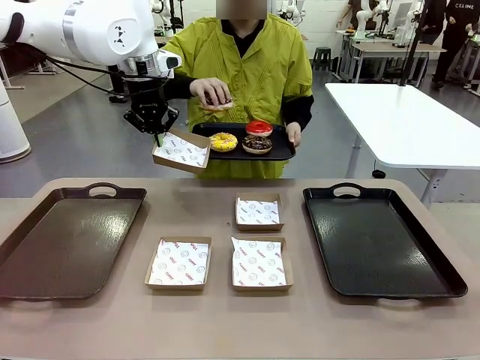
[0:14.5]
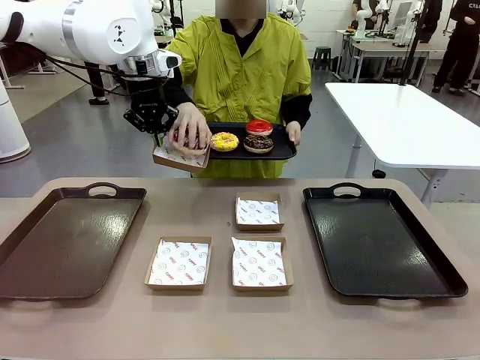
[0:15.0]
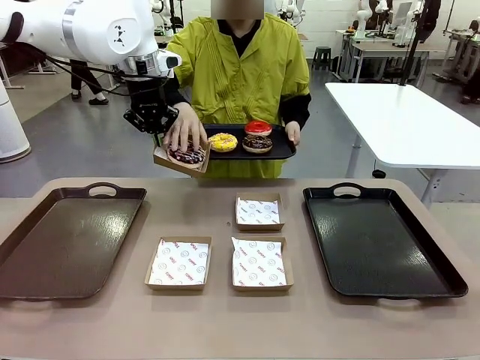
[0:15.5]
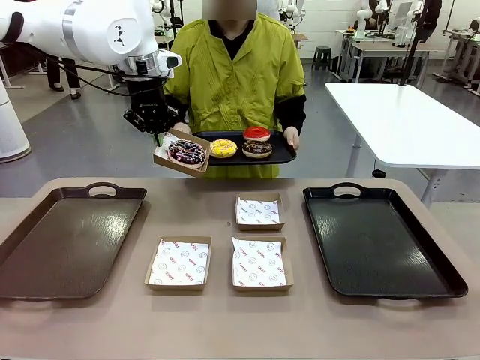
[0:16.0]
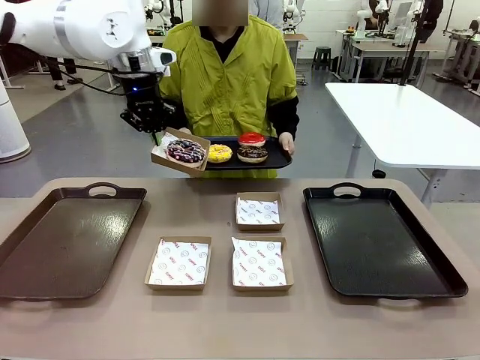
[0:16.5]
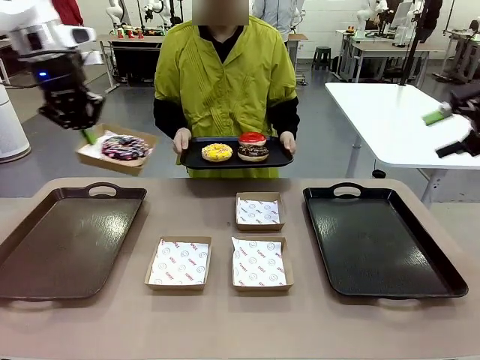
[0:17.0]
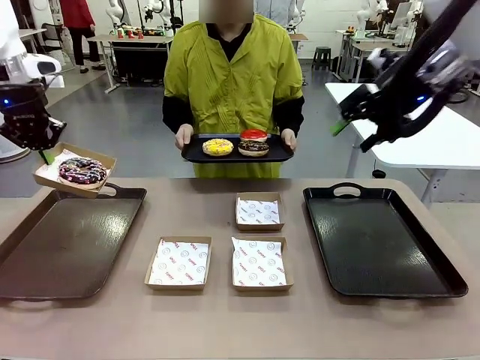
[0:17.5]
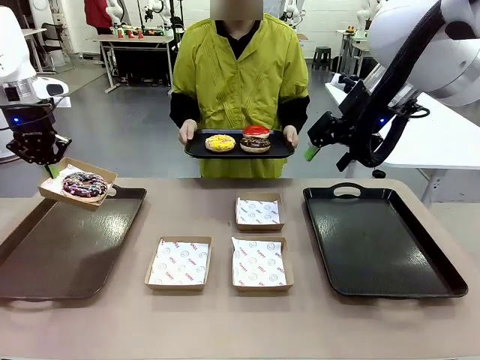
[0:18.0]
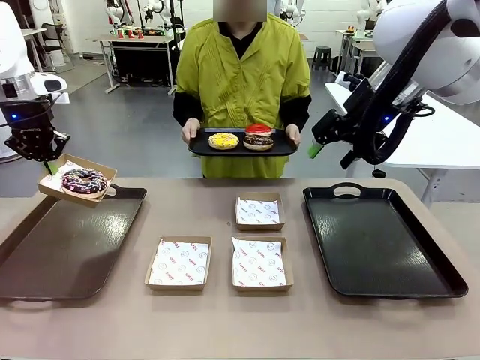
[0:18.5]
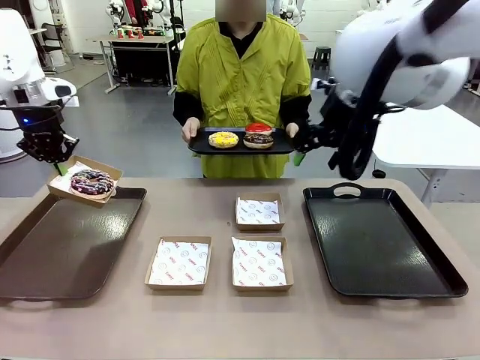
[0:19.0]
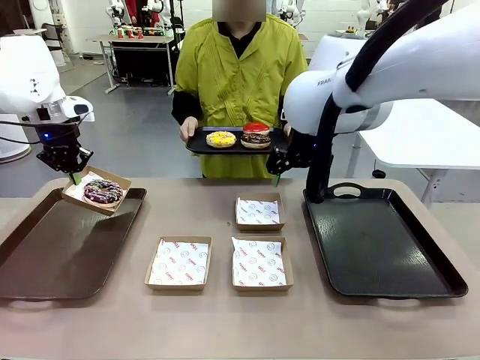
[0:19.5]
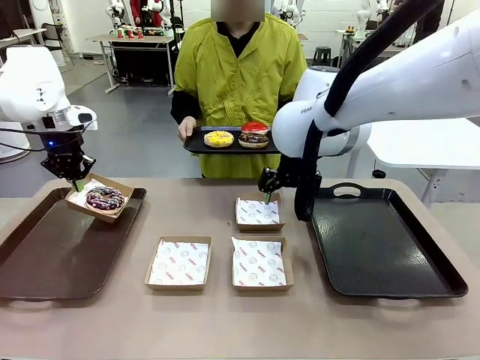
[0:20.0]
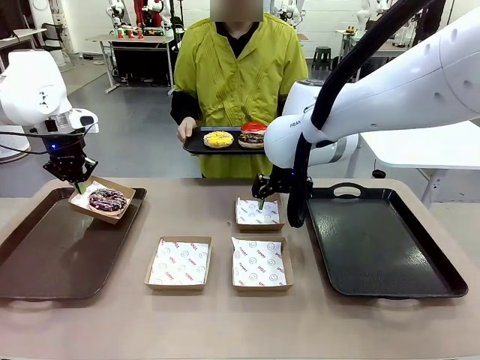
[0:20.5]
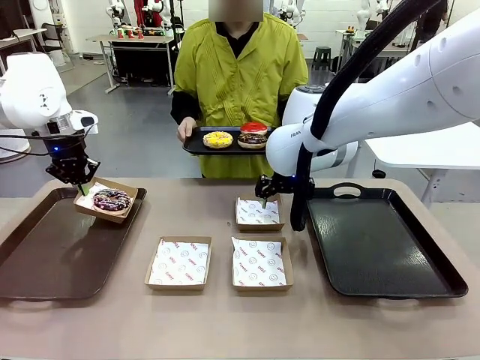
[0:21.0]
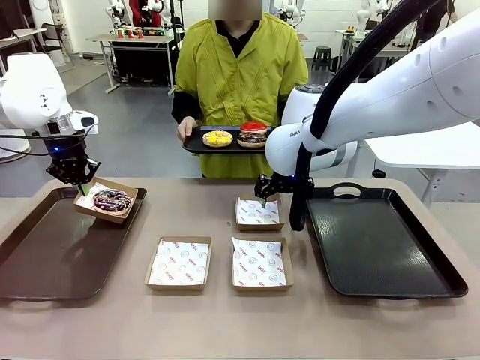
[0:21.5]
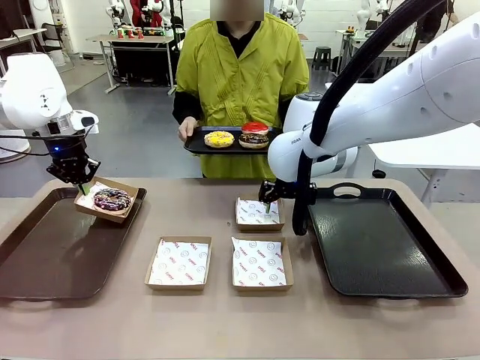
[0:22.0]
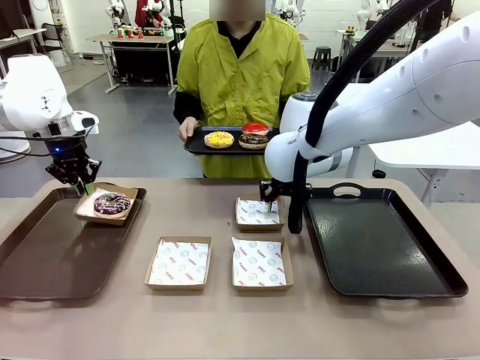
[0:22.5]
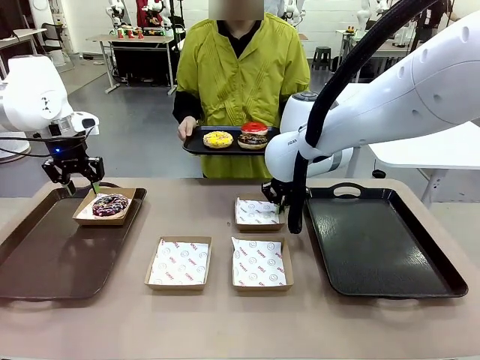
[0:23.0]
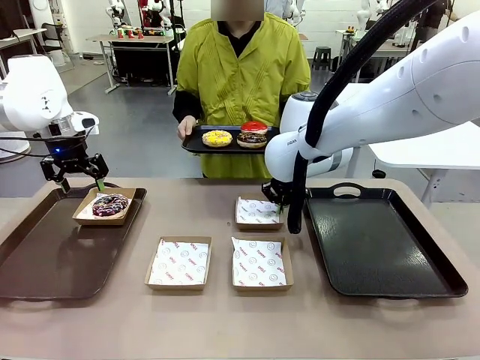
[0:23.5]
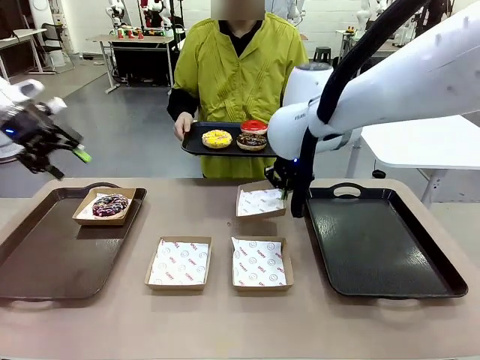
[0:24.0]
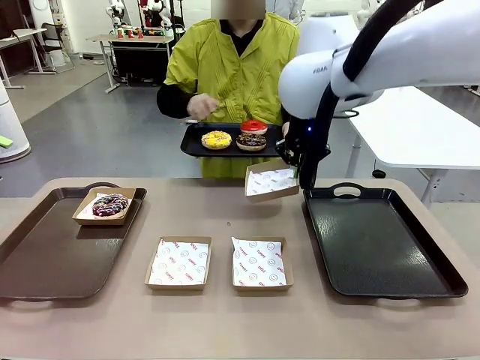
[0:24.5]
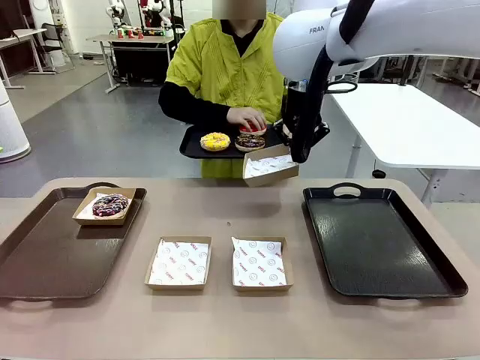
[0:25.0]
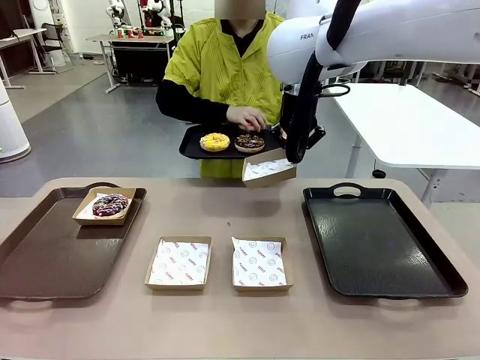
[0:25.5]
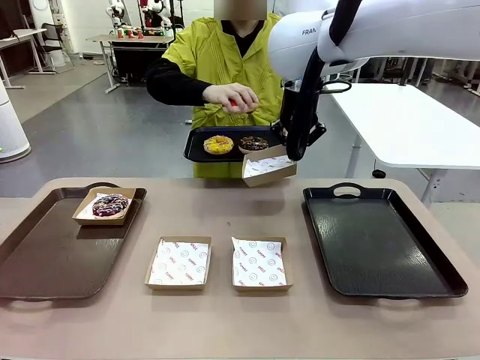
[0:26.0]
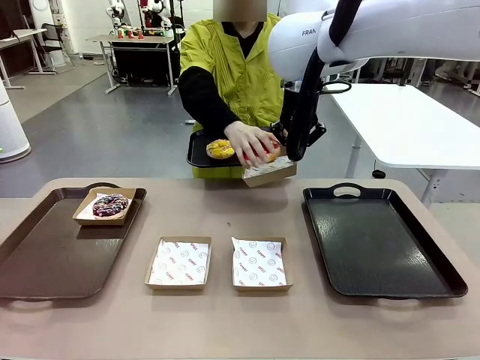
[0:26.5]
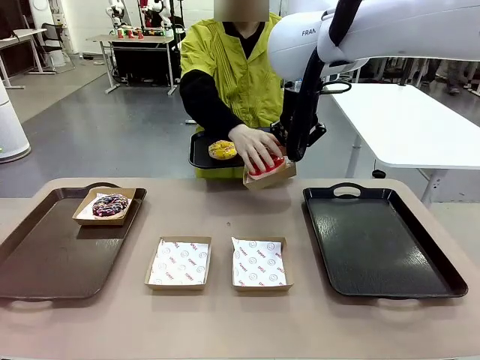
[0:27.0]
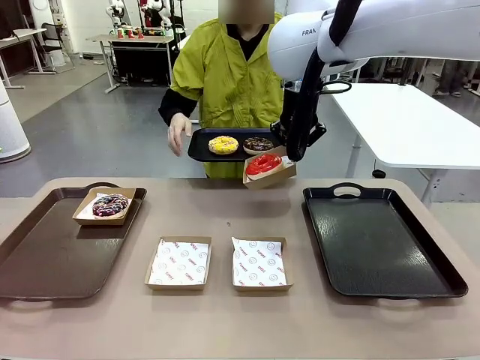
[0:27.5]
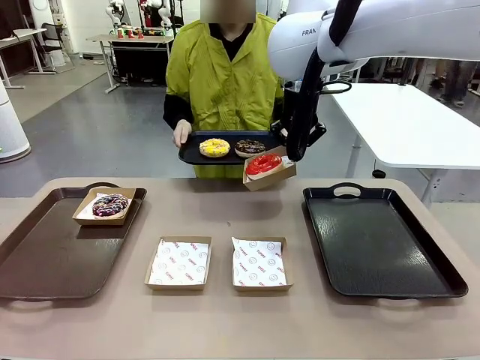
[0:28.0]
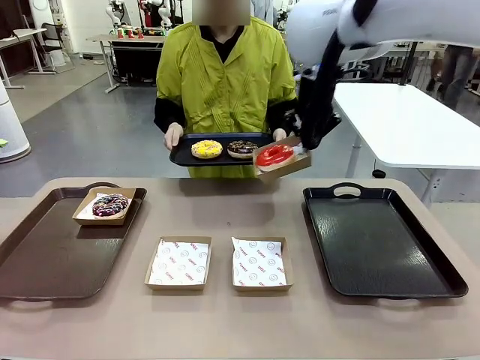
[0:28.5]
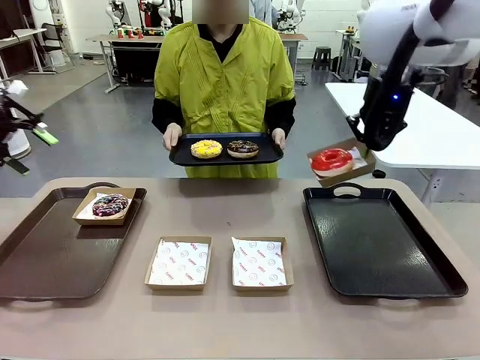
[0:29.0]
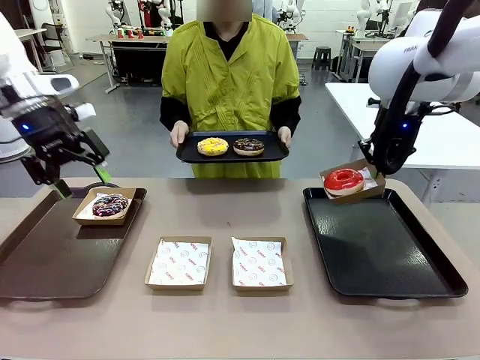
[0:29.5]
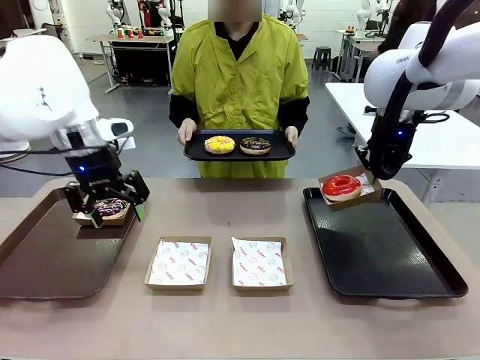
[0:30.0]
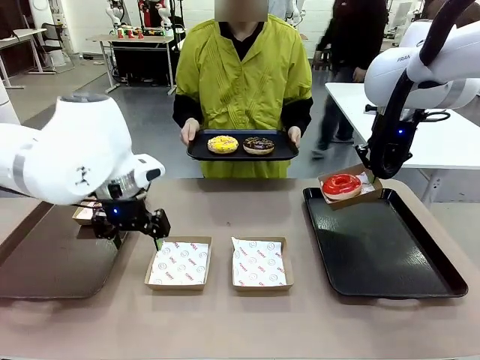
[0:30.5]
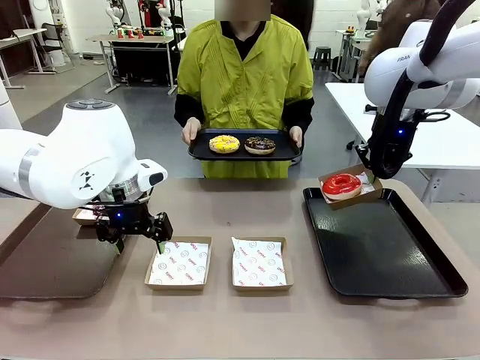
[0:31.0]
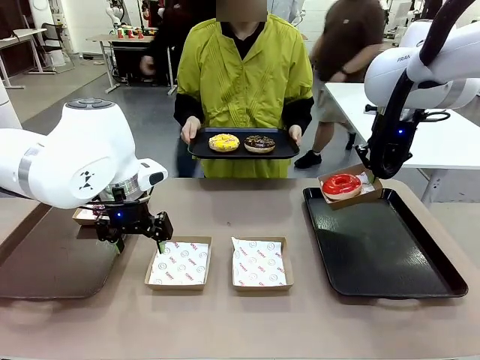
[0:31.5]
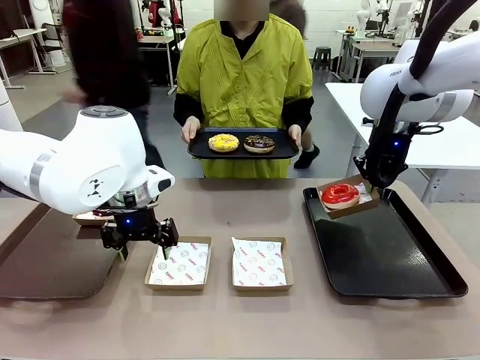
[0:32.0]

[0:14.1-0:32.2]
Task: Individually package the donuts and arrange them on the tray.
Robot: Place the picked Paper togo box on the Handle tray while simultaneously picking up another Paper togo box from the table with the other hand.
